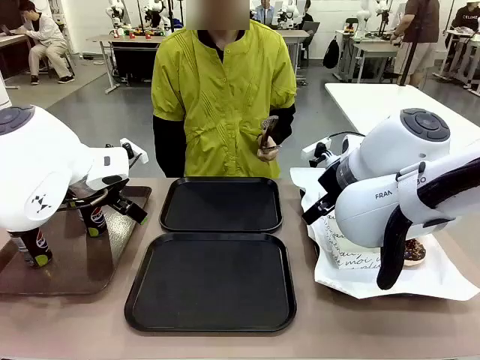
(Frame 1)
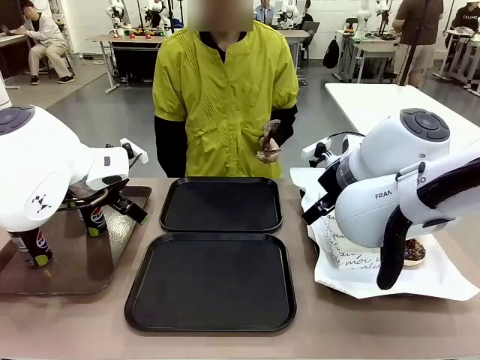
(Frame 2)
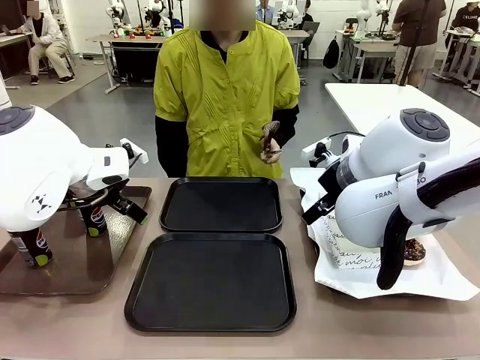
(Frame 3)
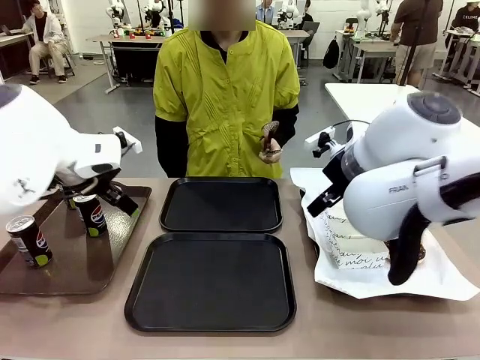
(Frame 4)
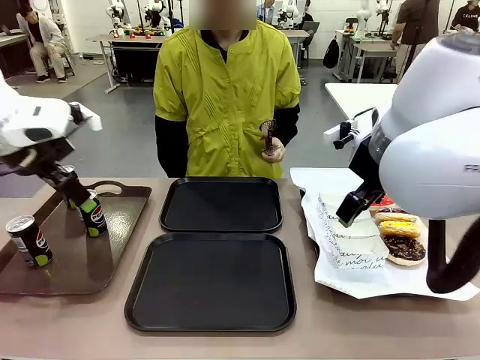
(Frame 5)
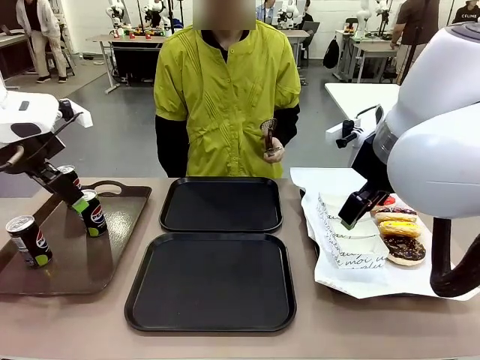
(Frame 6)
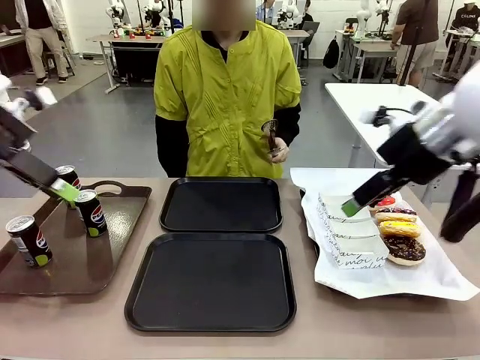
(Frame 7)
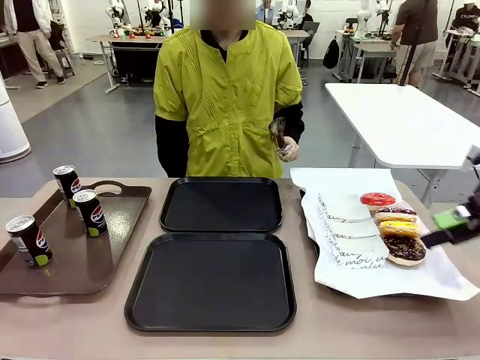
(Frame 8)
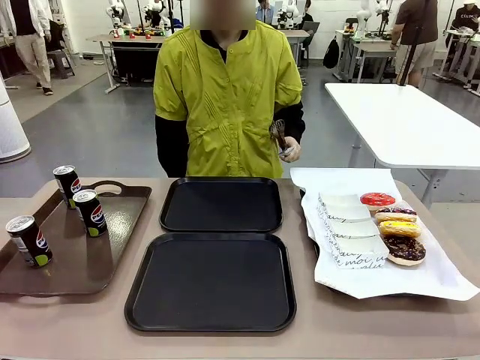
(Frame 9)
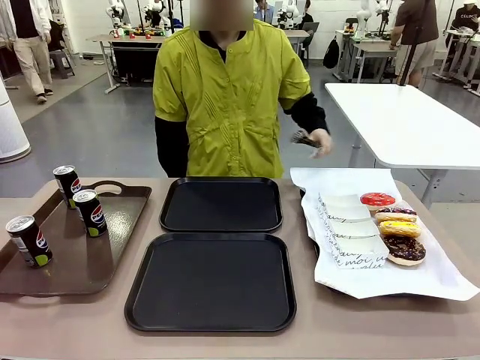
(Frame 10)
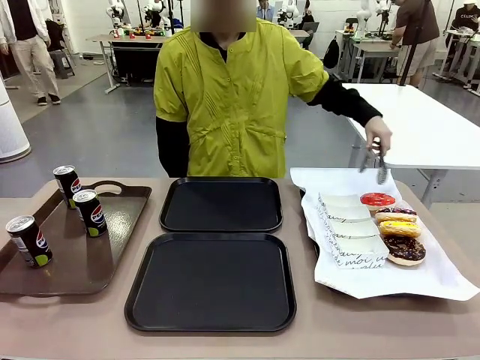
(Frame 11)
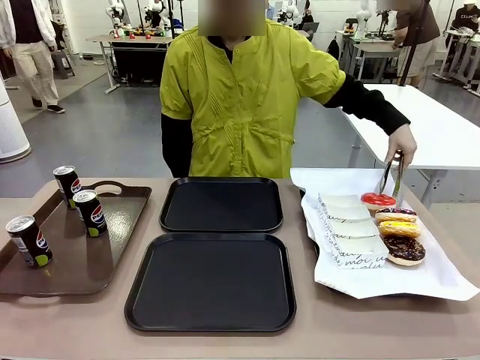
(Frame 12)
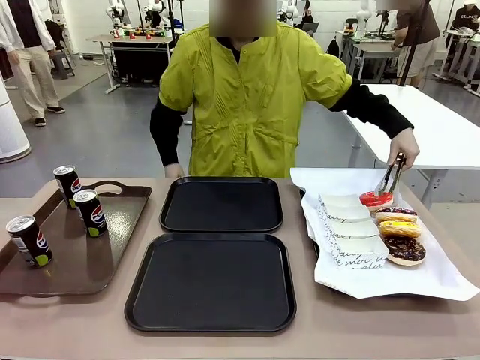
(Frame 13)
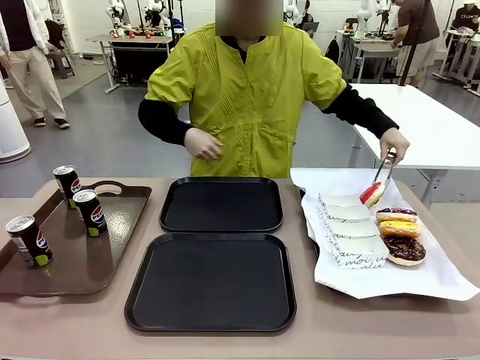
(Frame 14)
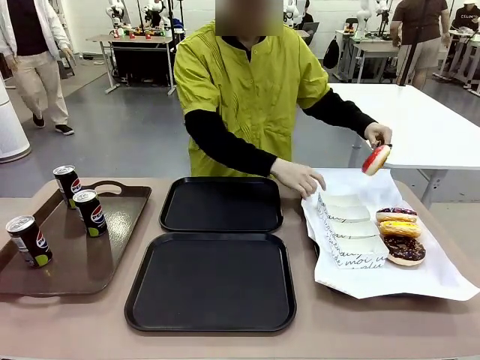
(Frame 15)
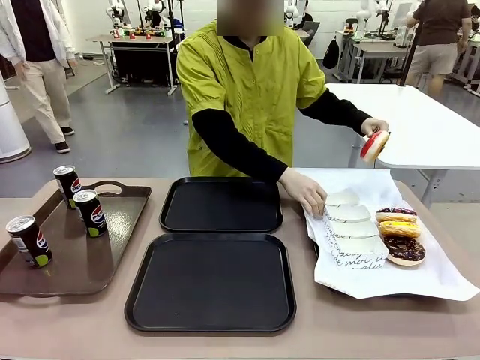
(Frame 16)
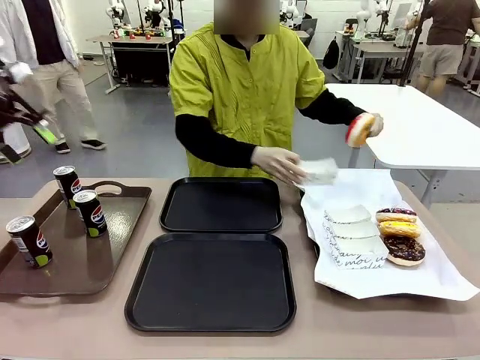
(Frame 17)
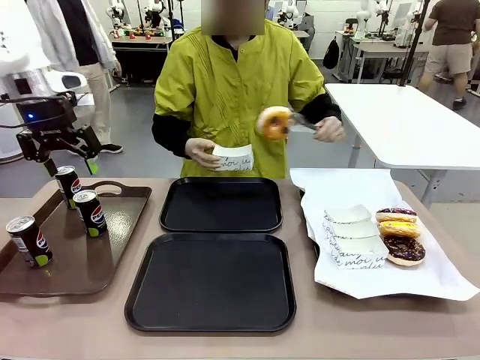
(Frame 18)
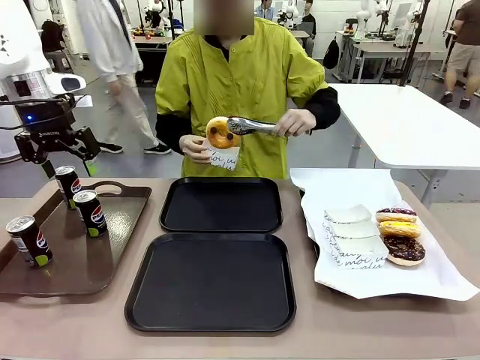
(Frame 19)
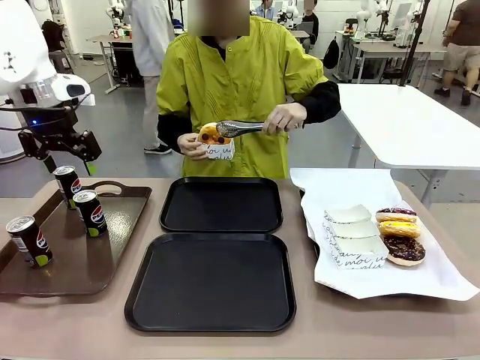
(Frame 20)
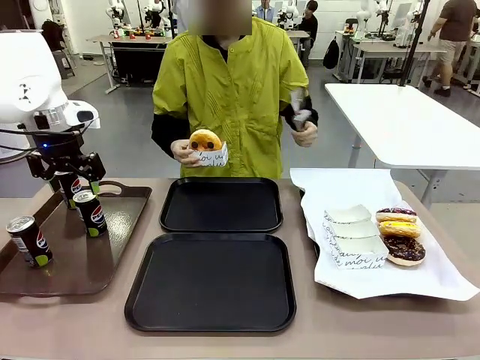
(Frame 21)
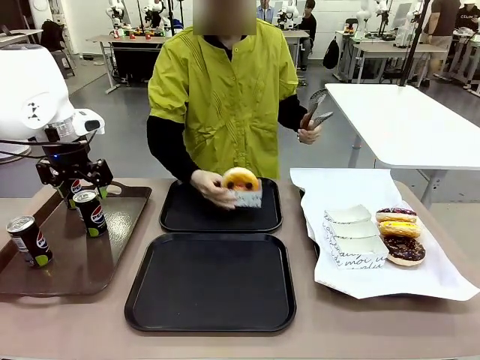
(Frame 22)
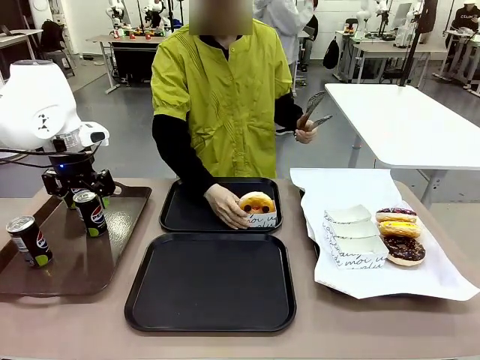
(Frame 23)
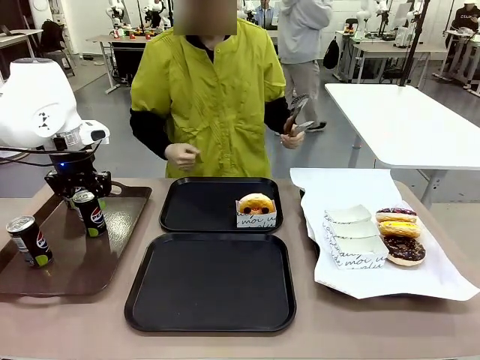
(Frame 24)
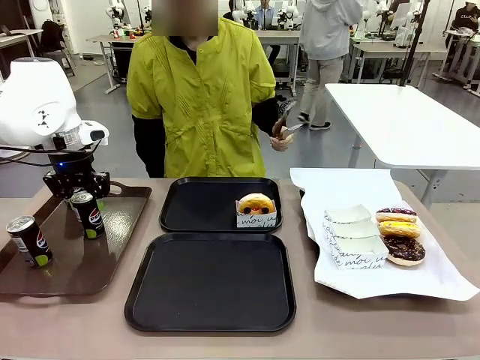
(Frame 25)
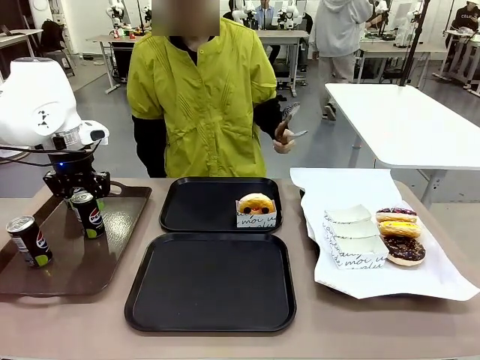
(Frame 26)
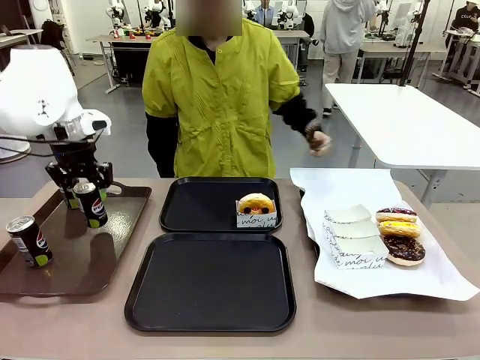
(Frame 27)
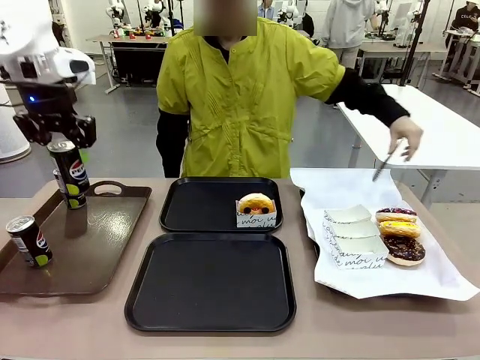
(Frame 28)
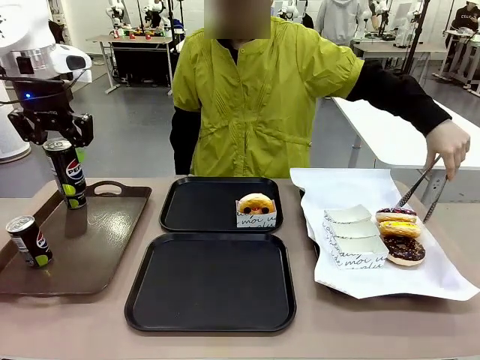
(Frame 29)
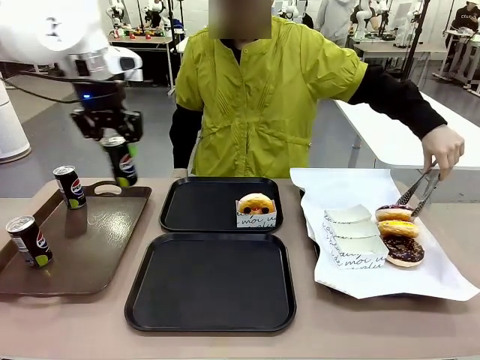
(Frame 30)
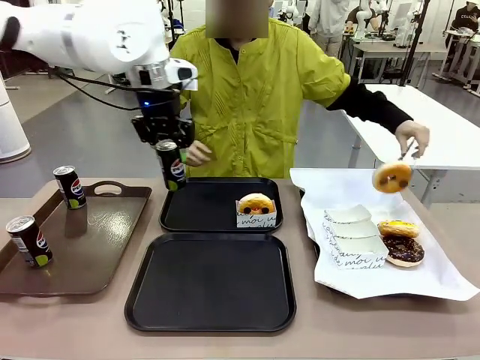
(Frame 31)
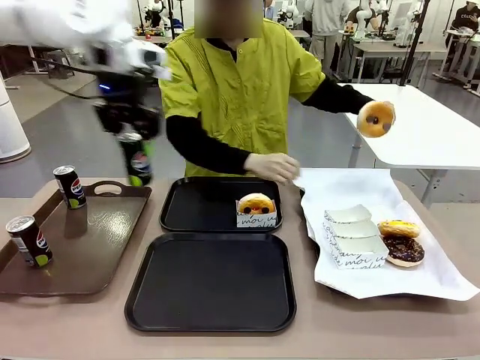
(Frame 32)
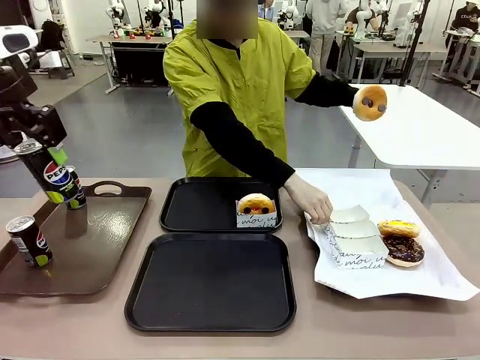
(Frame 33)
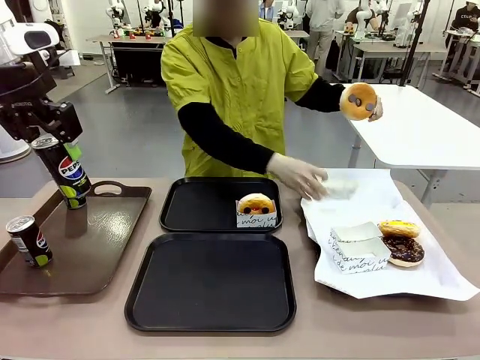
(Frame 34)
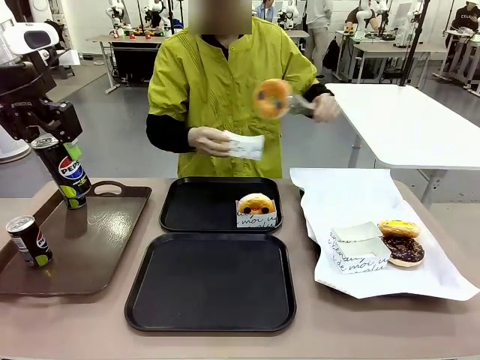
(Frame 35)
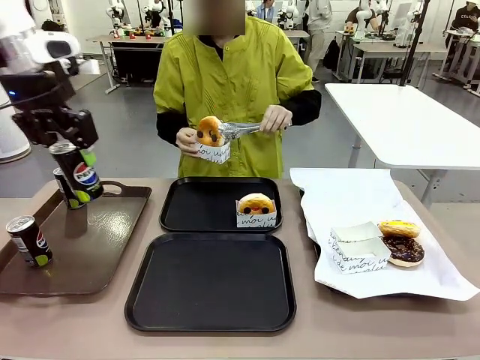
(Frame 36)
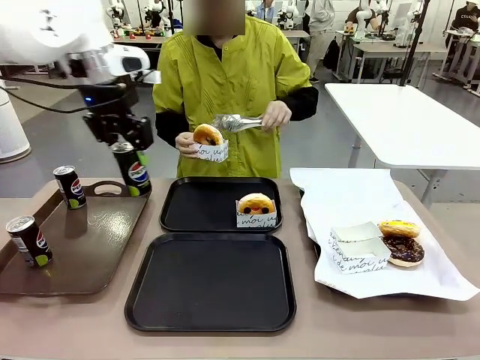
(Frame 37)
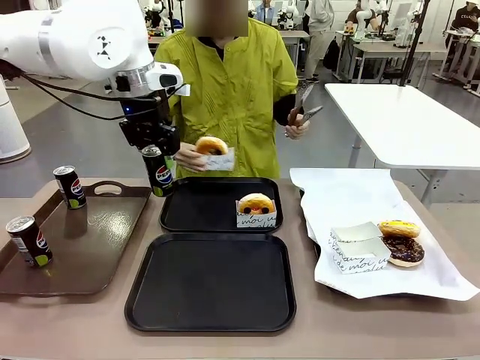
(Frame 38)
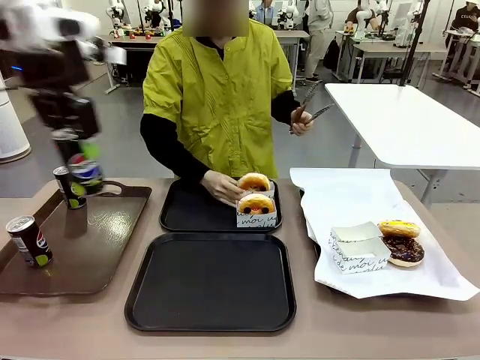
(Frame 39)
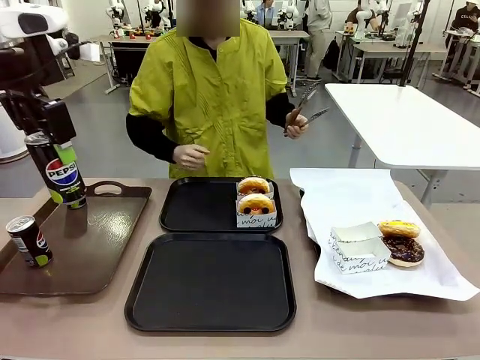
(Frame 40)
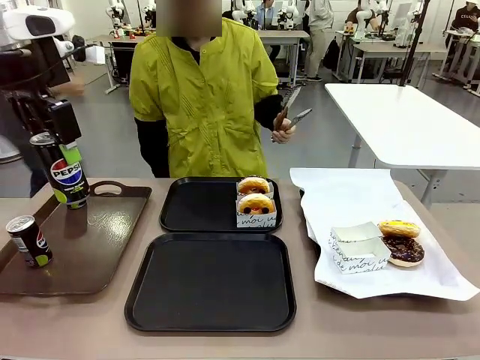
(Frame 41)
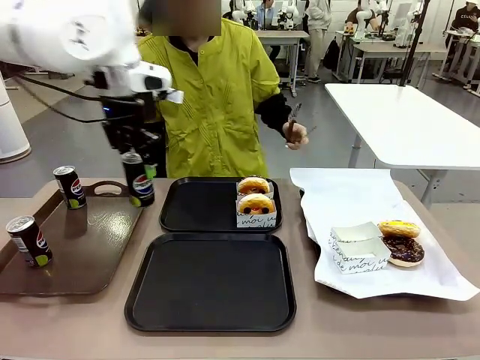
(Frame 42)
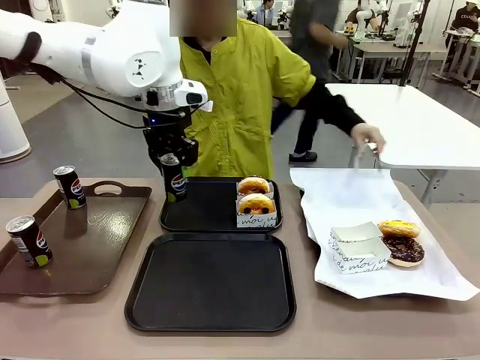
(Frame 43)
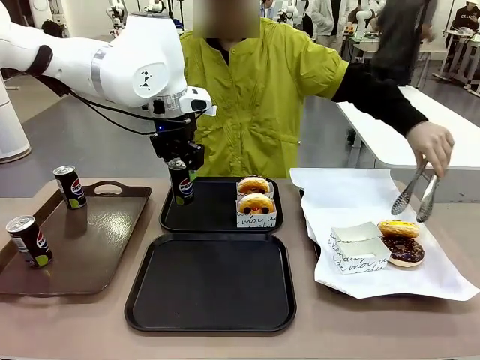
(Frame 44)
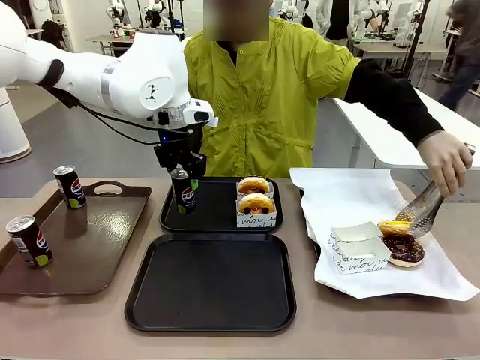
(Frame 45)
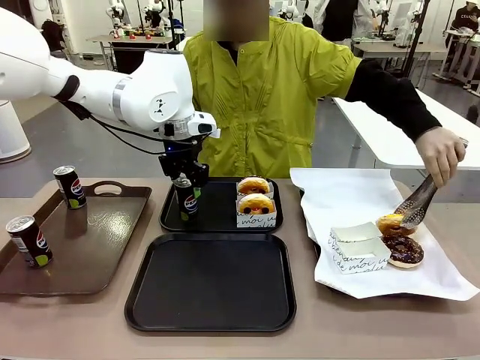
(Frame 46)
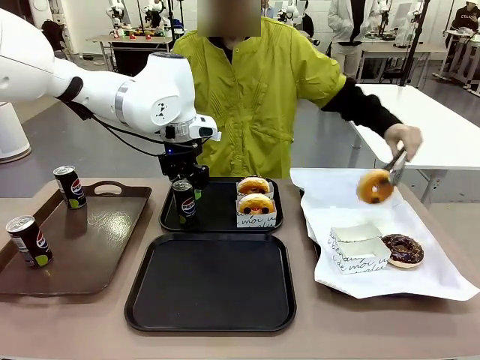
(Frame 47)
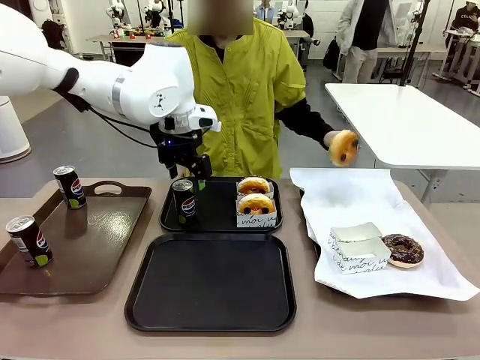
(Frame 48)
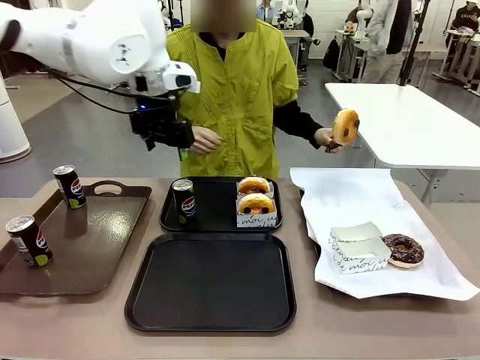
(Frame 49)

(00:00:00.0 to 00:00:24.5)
Task: Set up donuts and drinks on trays.
Robot: Pick up one Pepsi coke and place it on the Flat Tray.
Person: Pick up one donut with tongs, place it in the donut tray, and then place the donut tray on the flat tray.
